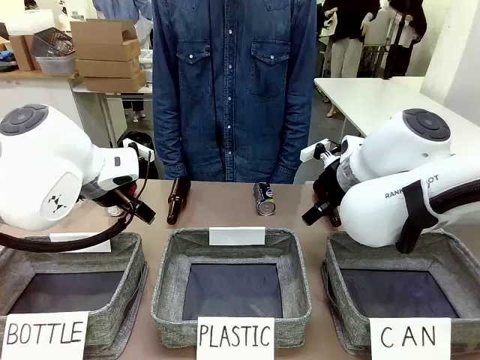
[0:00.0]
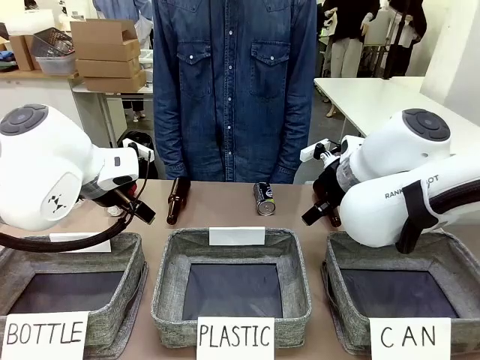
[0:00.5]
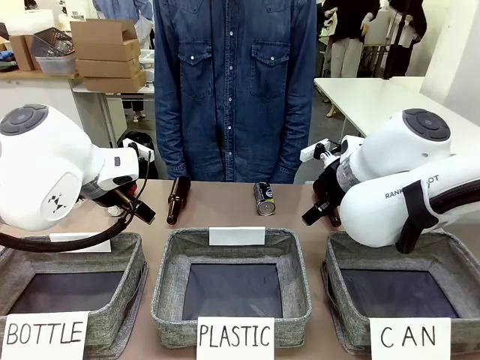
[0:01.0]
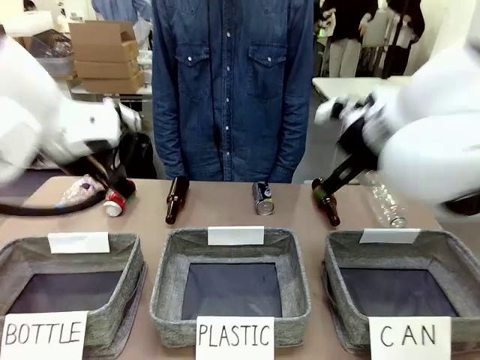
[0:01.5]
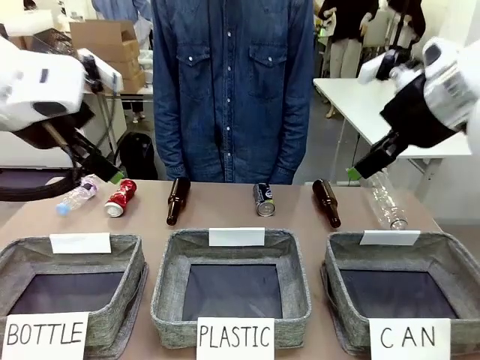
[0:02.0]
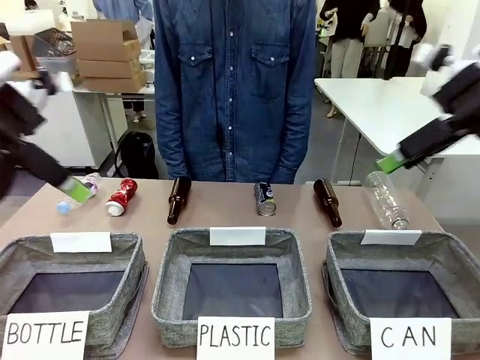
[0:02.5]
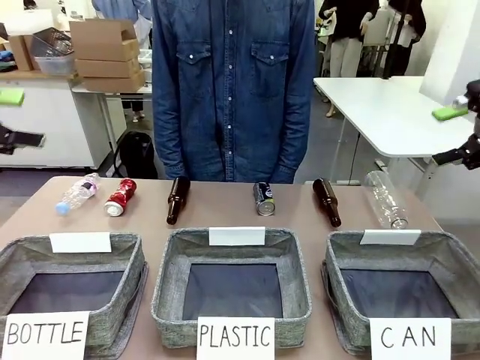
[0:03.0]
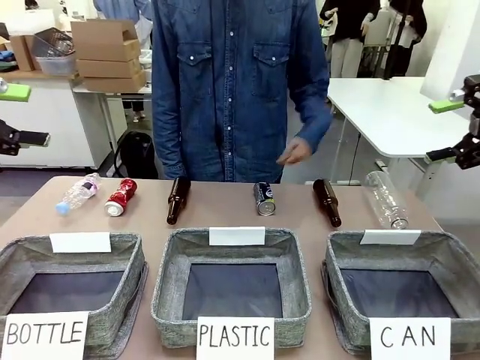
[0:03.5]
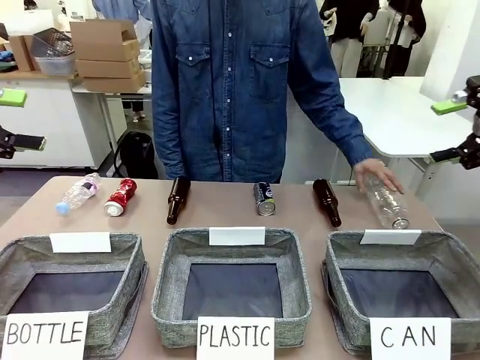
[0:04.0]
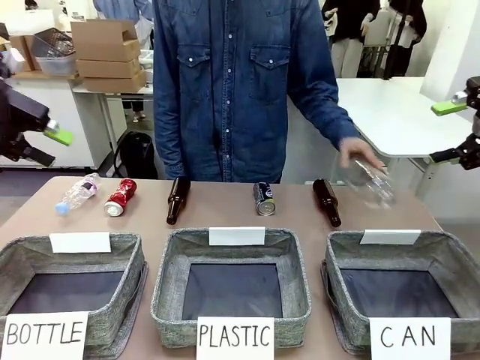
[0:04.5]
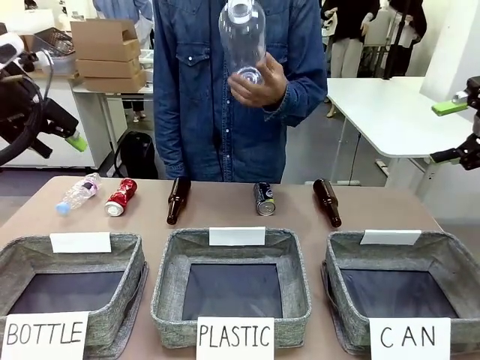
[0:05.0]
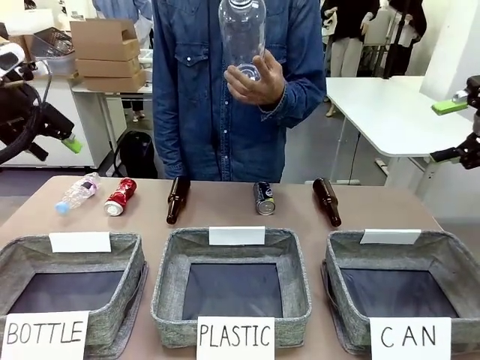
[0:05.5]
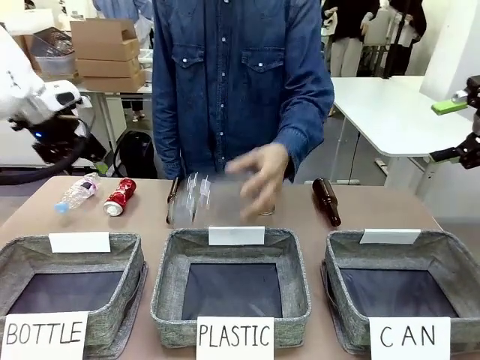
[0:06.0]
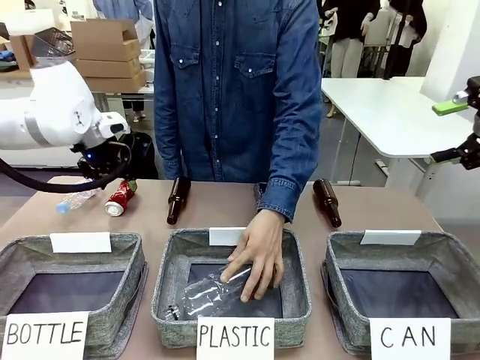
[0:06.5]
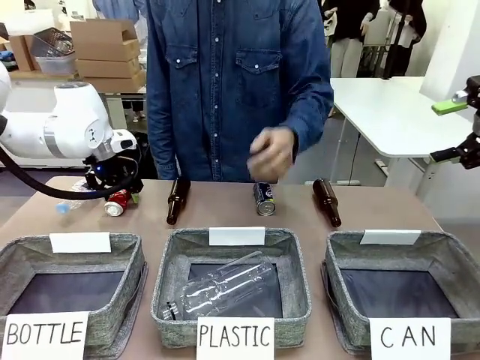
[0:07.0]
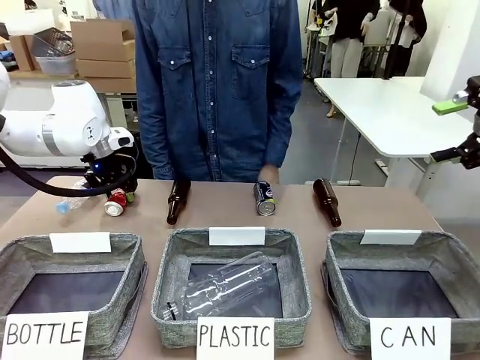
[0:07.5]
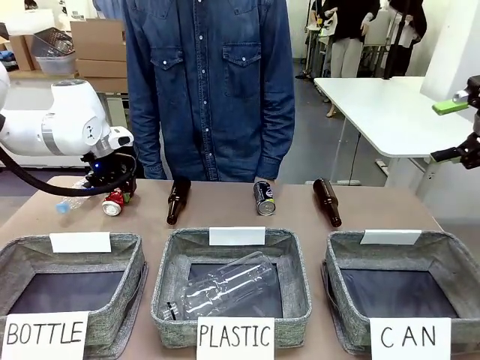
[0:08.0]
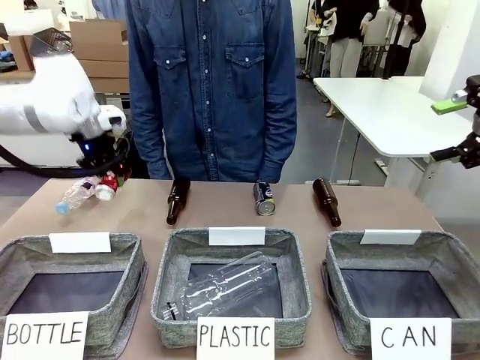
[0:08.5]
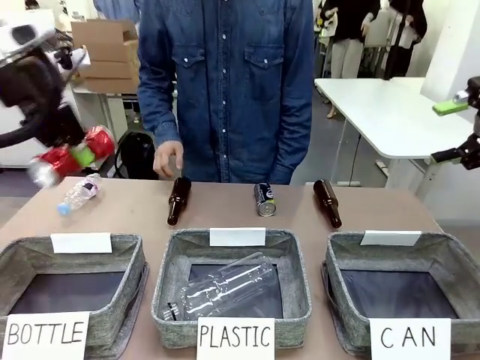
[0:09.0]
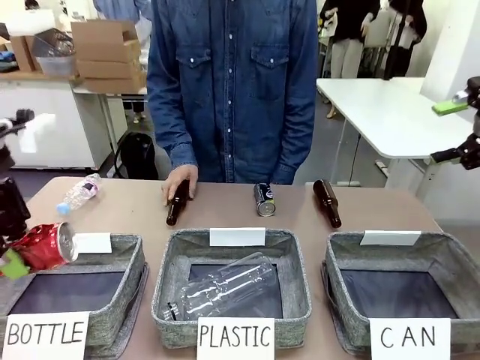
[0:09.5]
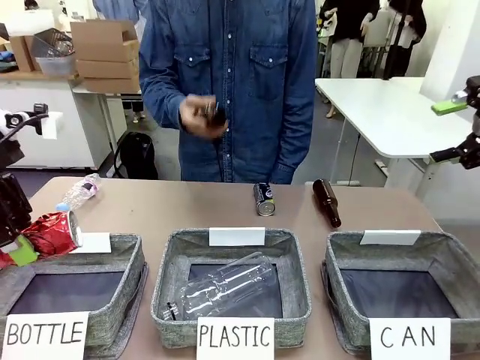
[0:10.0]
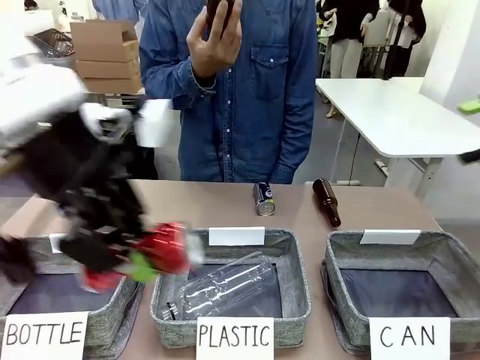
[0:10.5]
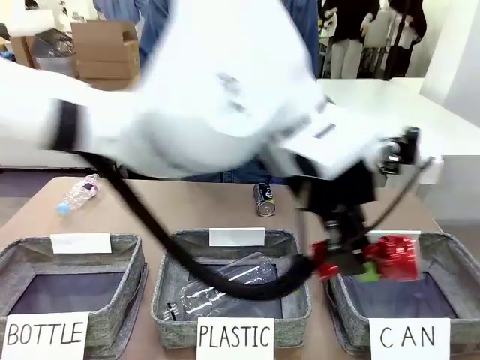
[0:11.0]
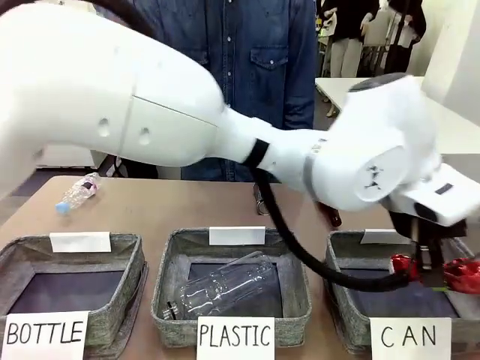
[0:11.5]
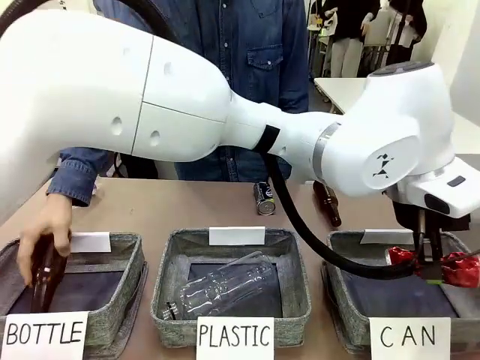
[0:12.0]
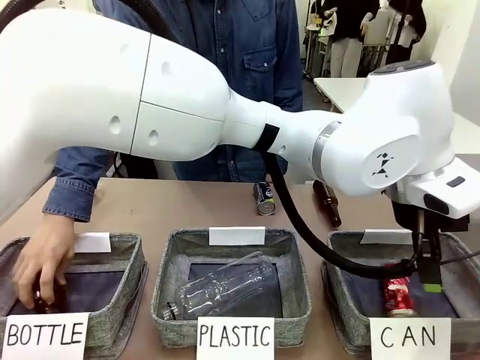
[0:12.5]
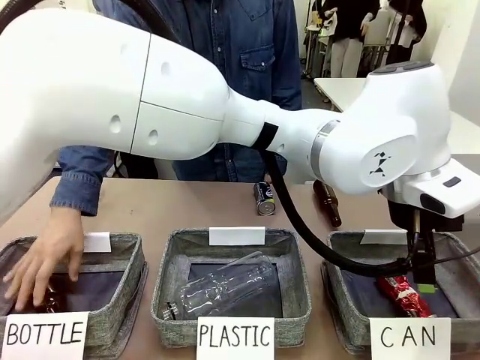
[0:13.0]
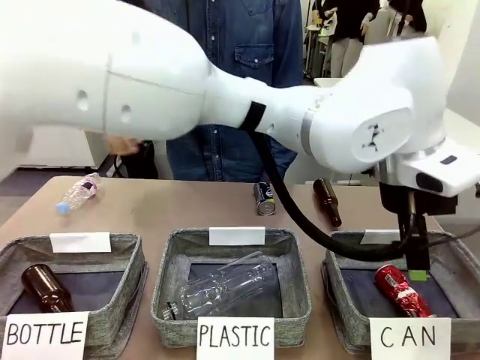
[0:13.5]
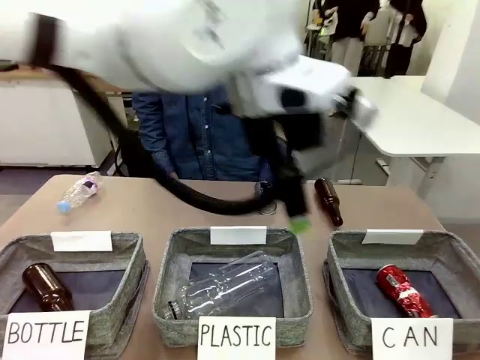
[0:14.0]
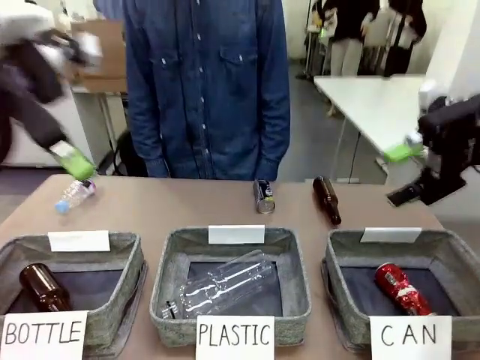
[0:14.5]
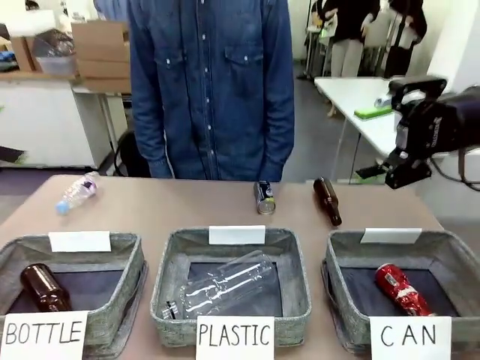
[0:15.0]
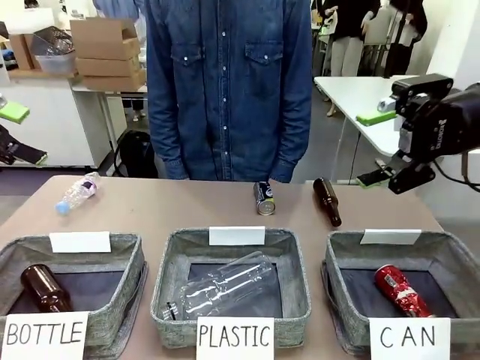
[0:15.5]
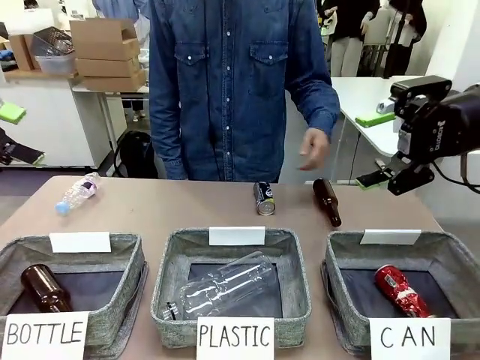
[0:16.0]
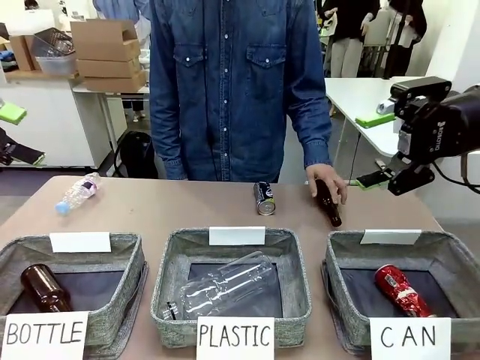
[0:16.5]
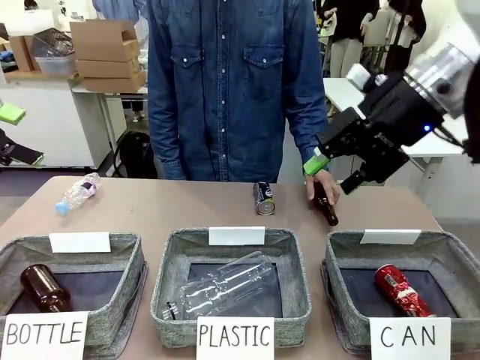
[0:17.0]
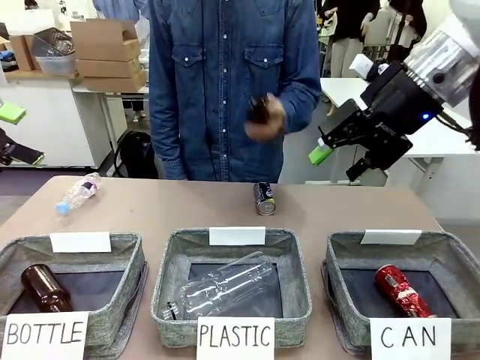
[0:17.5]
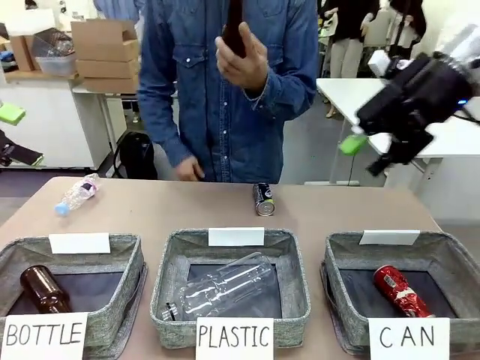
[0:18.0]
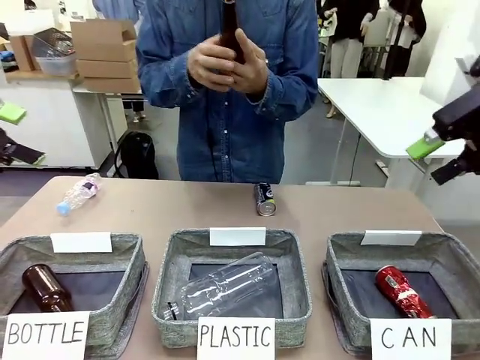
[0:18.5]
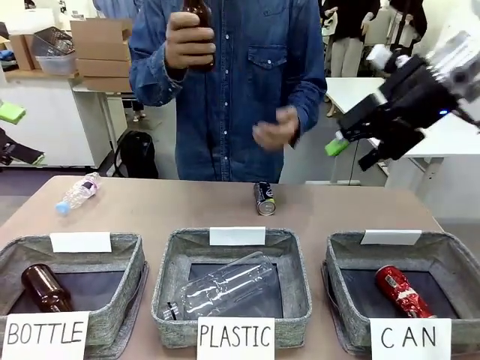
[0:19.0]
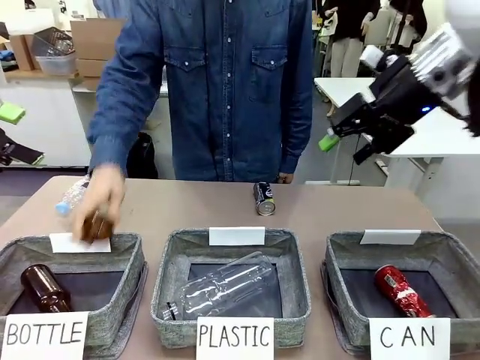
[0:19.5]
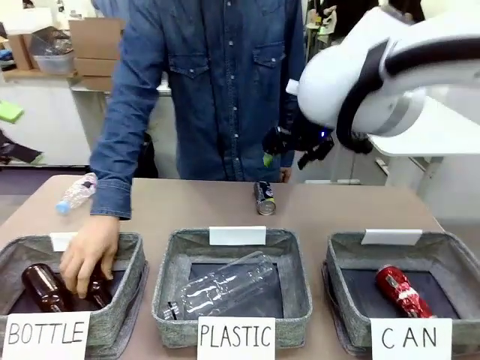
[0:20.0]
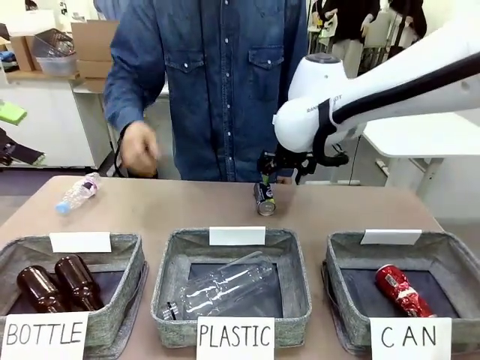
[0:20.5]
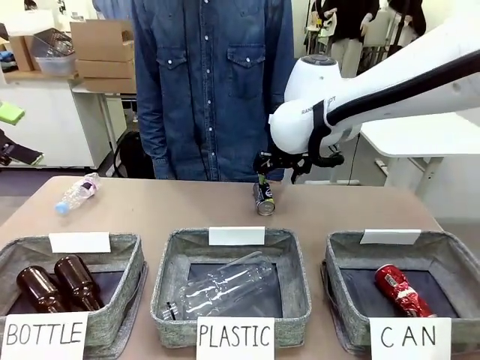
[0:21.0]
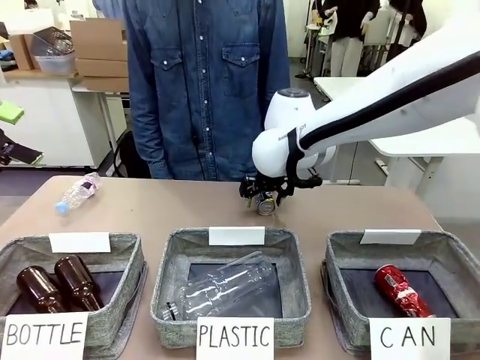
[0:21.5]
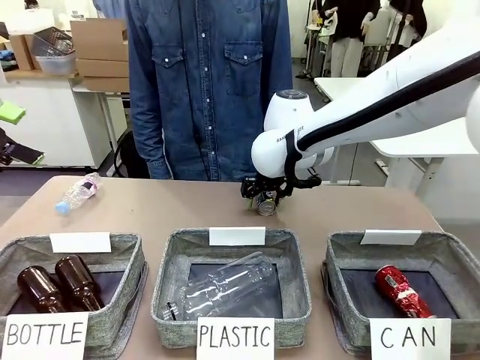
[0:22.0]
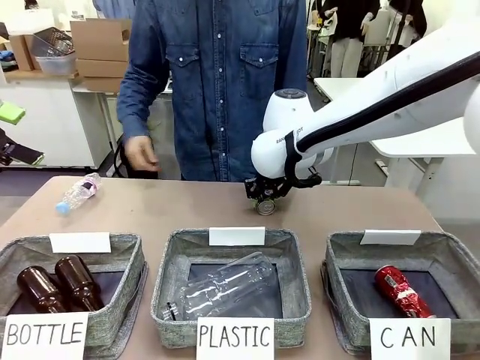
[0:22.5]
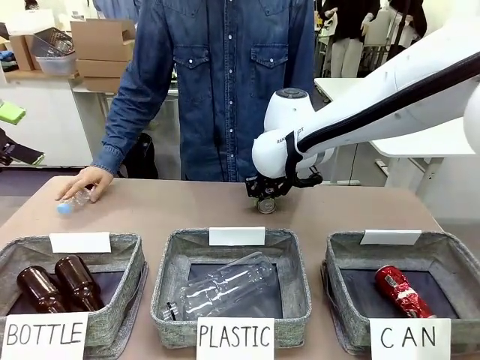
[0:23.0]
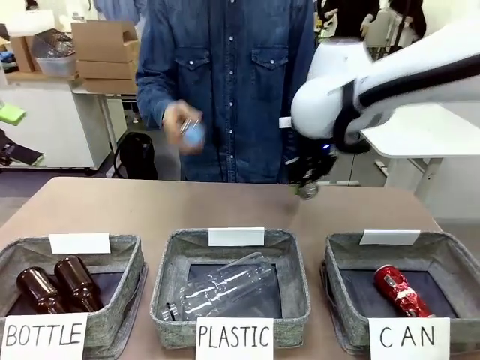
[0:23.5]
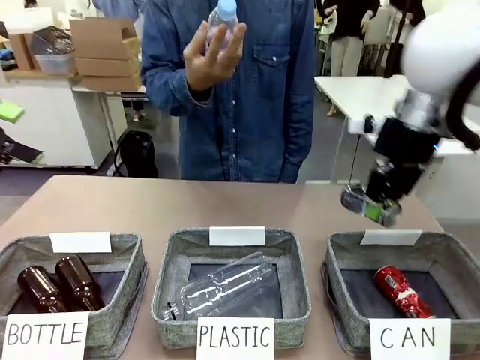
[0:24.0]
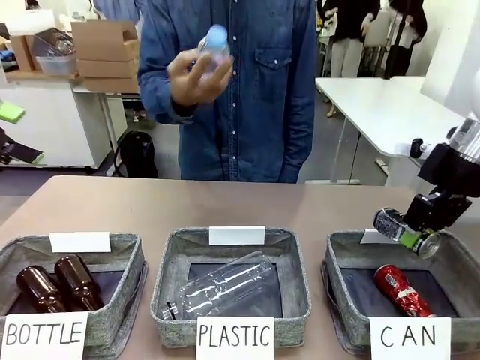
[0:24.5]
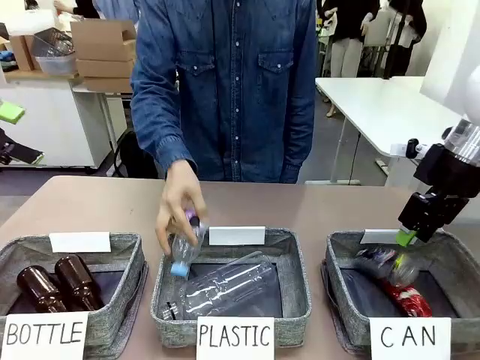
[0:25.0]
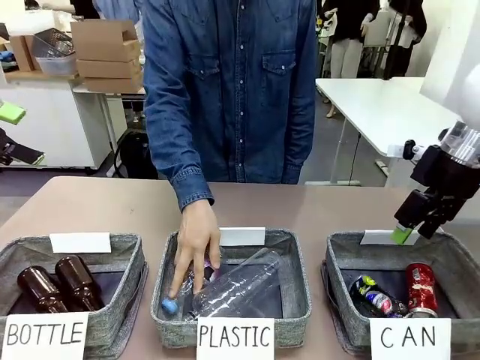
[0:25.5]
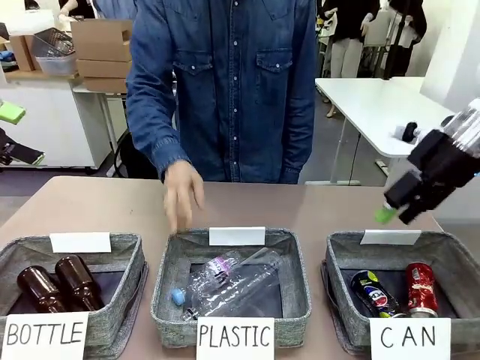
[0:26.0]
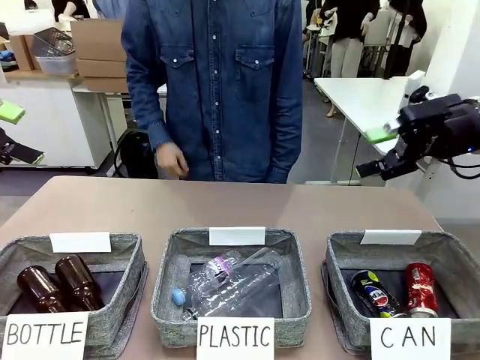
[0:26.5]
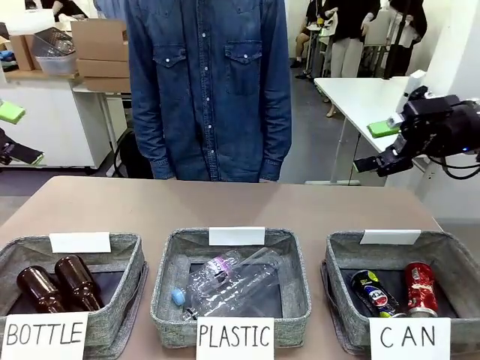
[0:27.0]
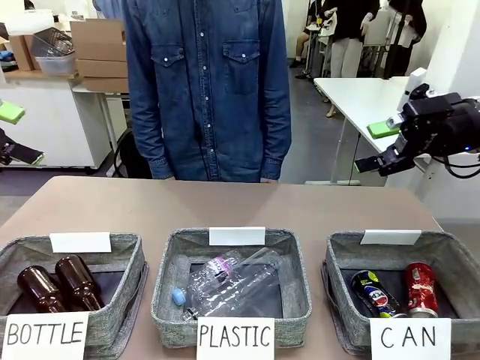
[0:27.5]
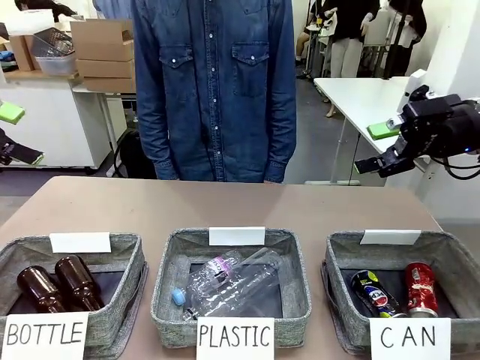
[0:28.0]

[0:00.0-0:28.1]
Task: Sort the can waste into the basket.
Robot: Pick up the can waste from the table and place it in the right Fabric basket.
Person: The human picks up one piece of trash that is not a can and places the trash into the appropriate organizing basket.
